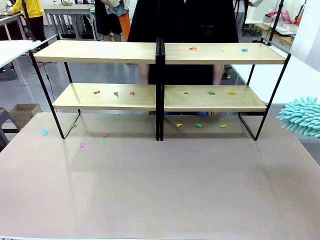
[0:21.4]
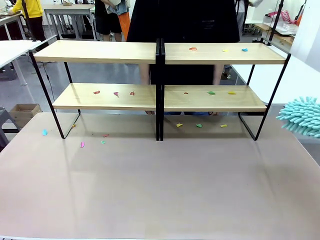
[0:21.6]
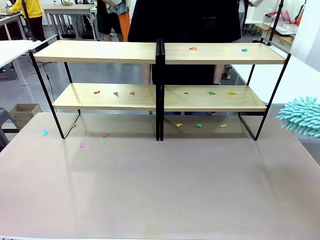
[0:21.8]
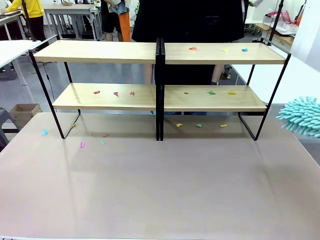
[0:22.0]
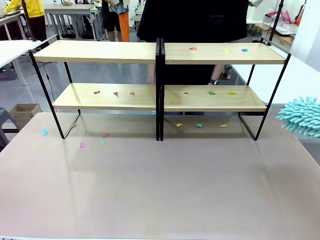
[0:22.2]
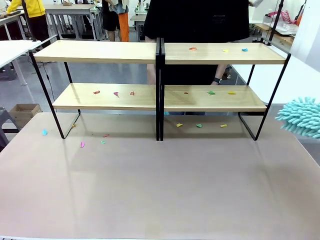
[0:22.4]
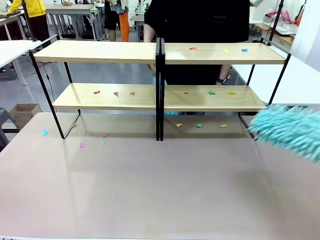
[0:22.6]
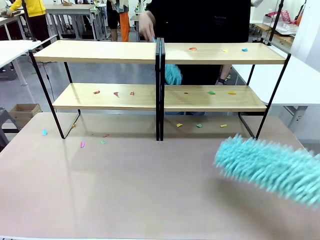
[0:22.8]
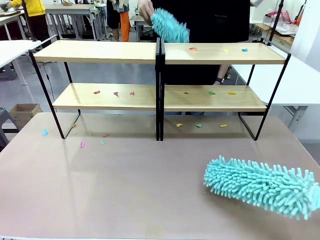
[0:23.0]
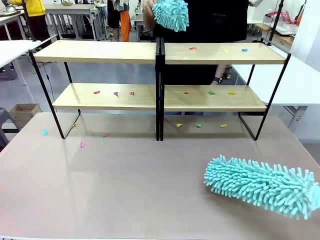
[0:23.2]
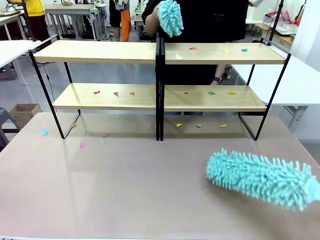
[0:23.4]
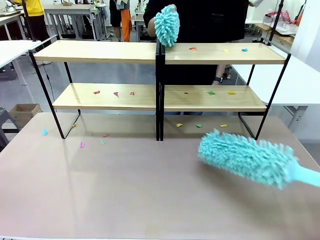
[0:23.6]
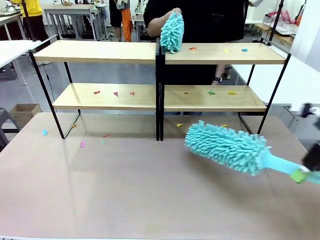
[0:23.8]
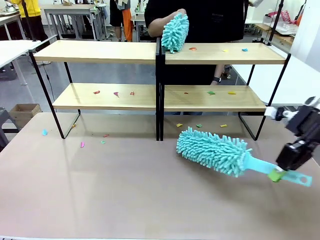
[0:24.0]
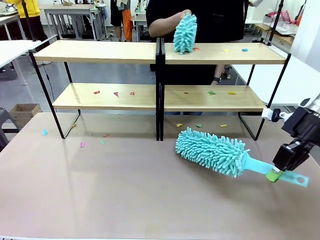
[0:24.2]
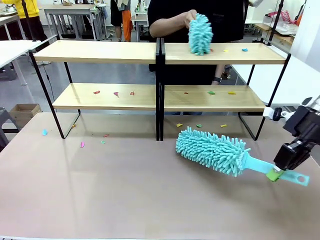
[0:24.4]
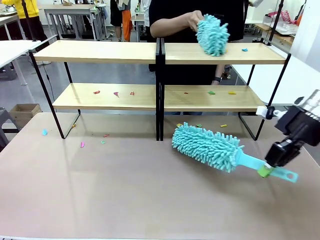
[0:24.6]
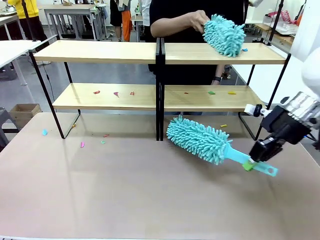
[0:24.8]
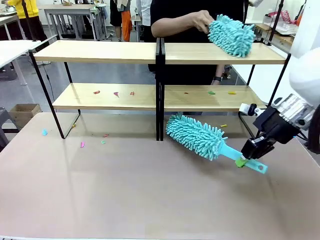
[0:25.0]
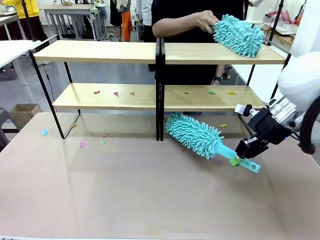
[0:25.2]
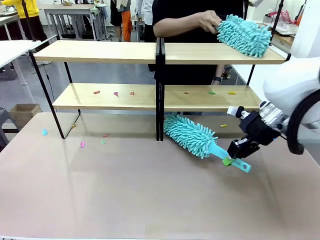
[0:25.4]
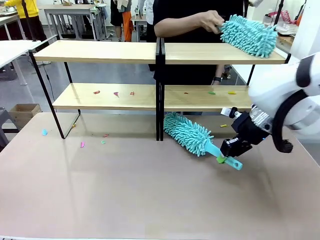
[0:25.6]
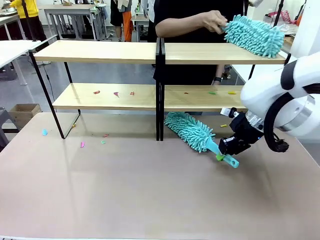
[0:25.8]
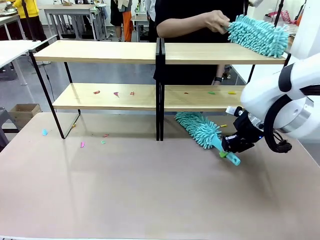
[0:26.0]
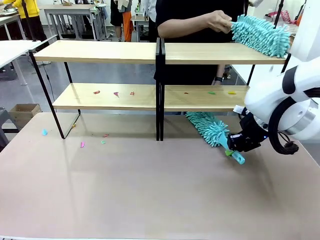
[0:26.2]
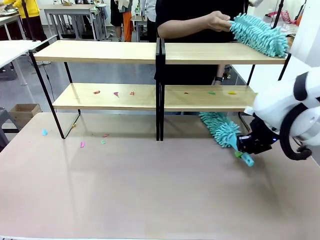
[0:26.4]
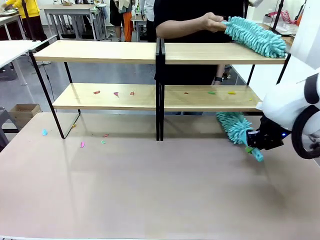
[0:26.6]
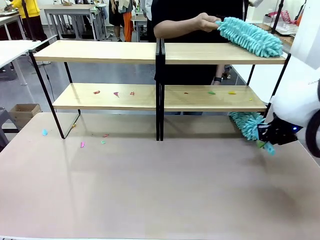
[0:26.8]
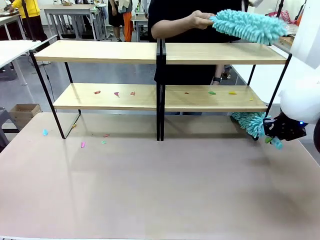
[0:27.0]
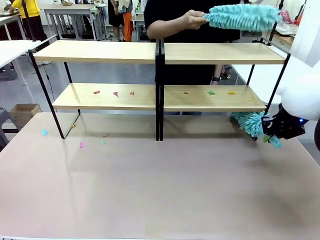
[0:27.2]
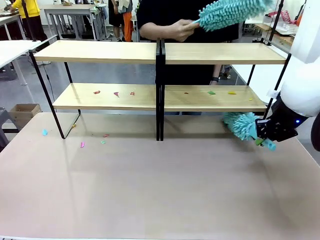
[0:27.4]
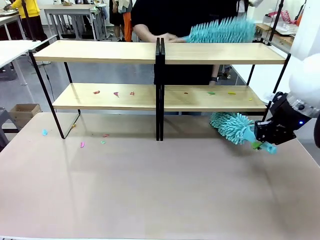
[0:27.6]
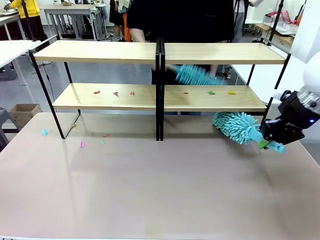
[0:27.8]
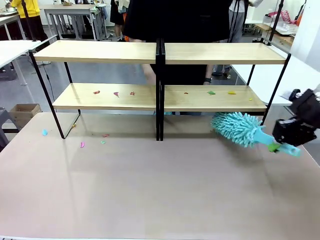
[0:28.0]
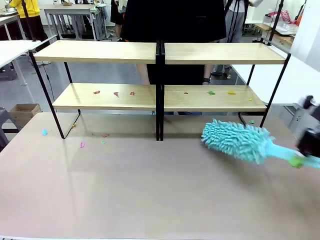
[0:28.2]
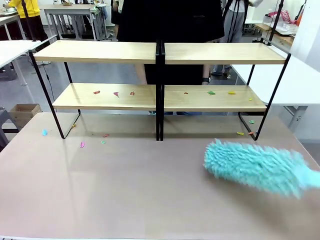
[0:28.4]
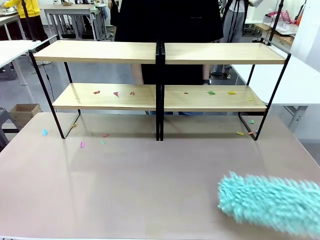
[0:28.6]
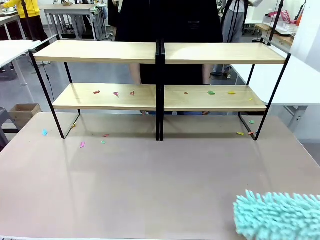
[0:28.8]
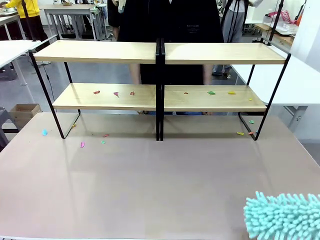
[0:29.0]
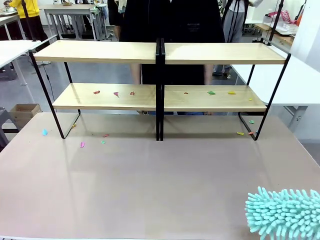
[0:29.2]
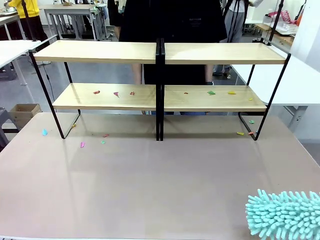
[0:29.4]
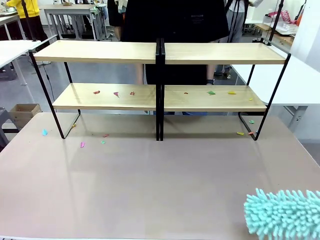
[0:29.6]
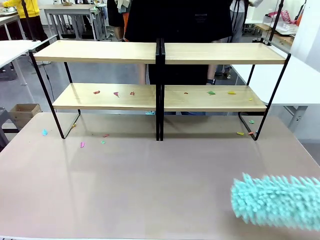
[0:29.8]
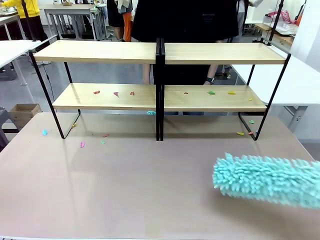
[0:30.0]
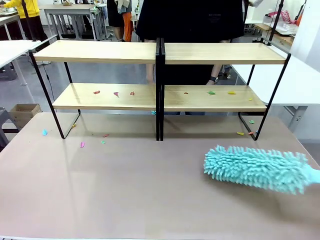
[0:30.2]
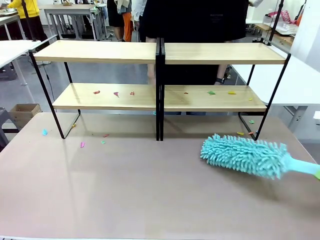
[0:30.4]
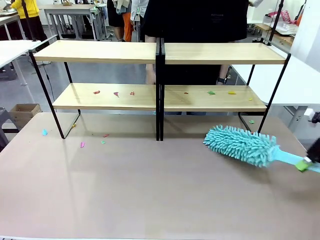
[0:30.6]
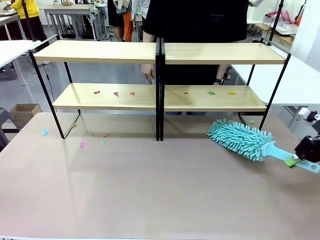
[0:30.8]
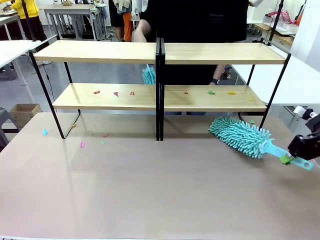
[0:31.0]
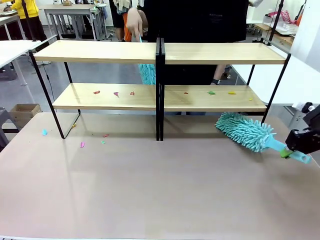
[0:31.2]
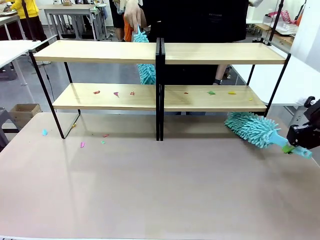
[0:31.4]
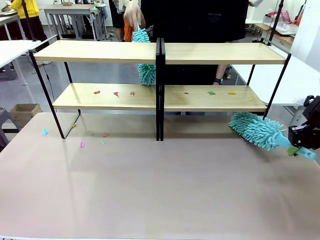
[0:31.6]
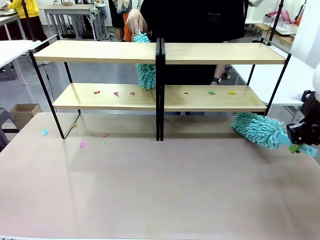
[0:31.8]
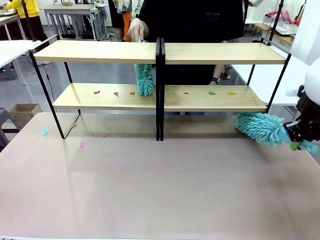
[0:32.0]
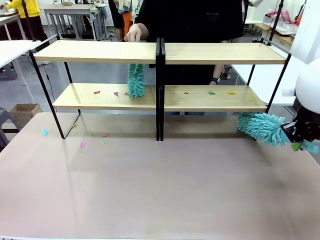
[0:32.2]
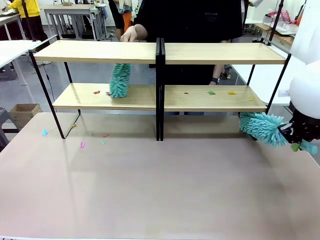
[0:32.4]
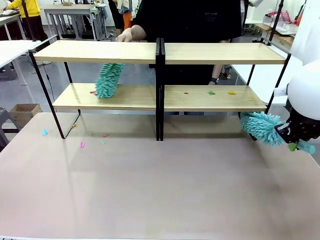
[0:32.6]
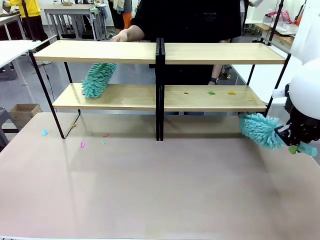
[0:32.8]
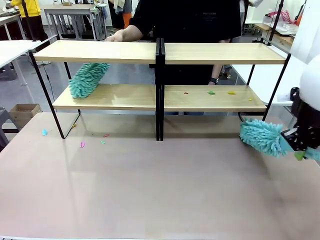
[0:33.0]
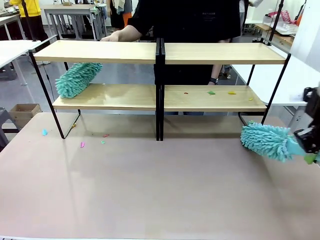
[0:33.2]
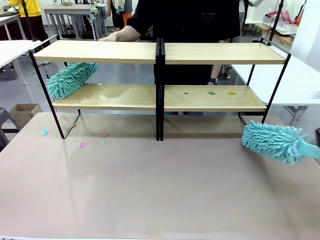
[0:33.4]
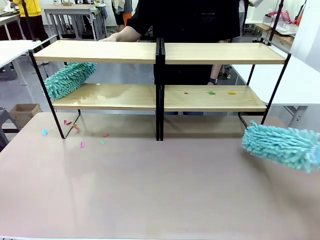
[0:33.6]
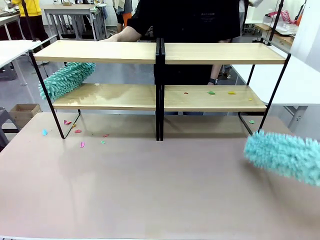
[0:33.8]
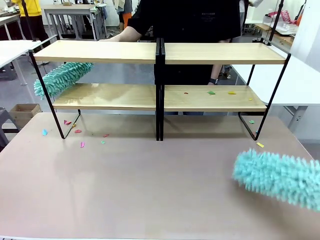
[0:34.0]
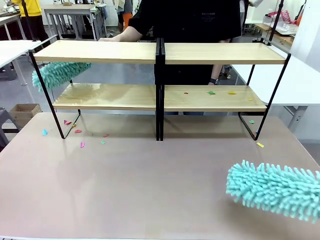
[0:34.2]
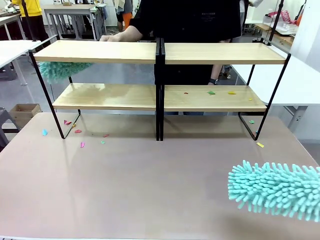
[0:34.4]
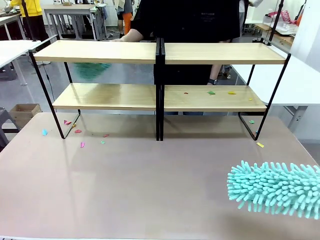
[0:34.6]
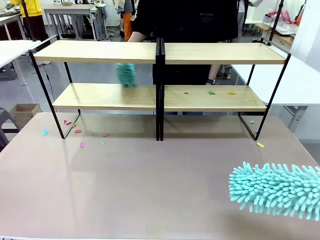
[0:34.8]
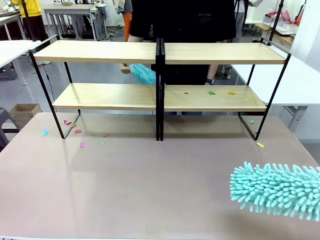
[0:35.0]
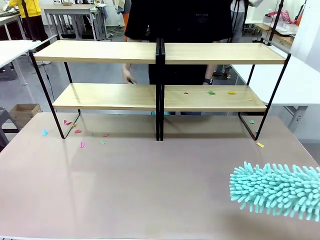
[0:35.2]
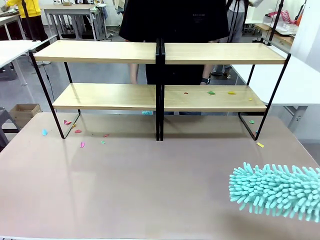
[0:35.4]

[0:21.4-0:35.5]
Task: Clean the shelves.
Robot: Clean another randomly selected level of the Shelf with the Duster.

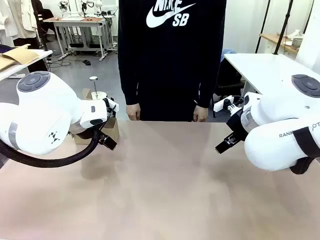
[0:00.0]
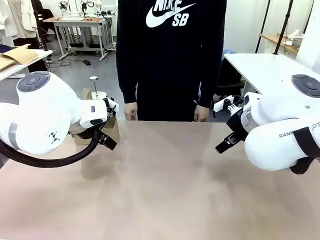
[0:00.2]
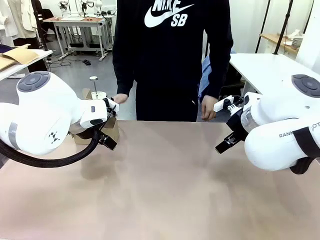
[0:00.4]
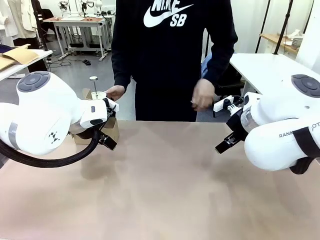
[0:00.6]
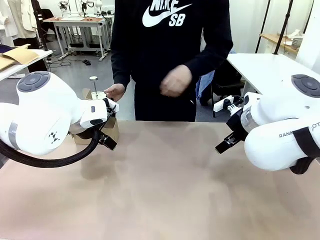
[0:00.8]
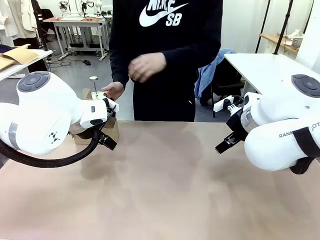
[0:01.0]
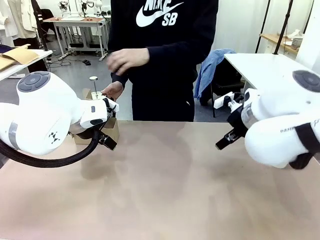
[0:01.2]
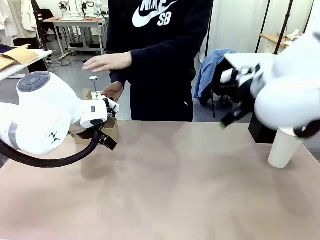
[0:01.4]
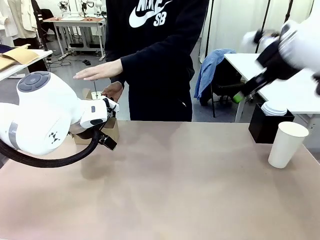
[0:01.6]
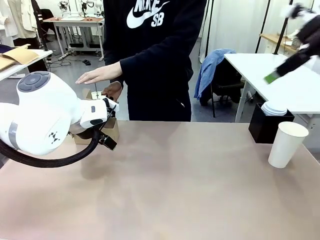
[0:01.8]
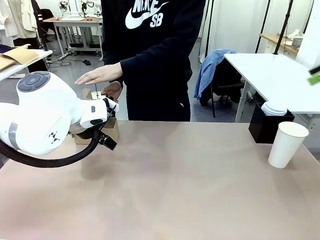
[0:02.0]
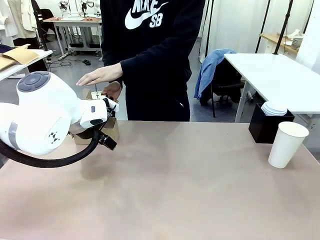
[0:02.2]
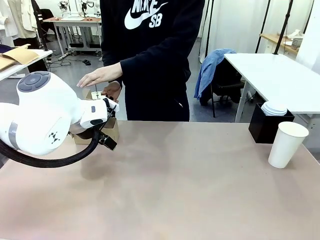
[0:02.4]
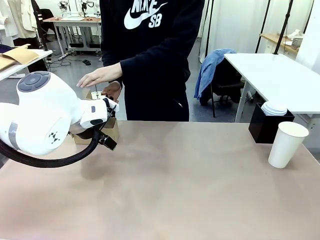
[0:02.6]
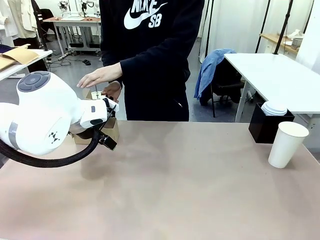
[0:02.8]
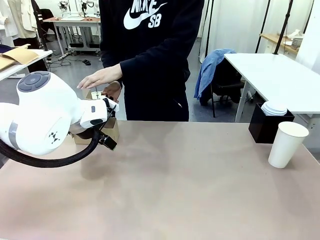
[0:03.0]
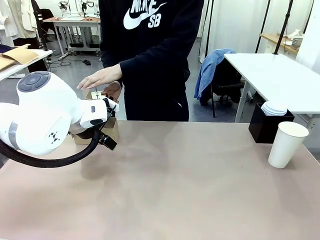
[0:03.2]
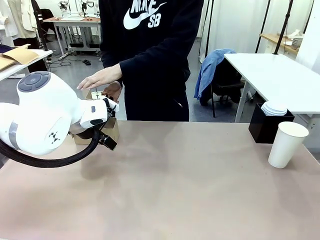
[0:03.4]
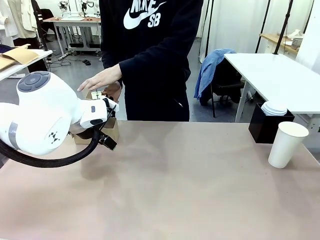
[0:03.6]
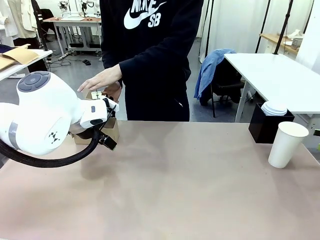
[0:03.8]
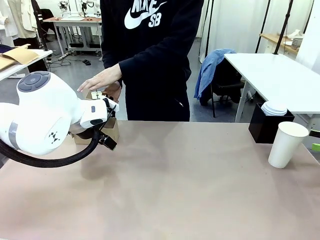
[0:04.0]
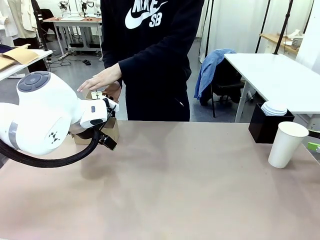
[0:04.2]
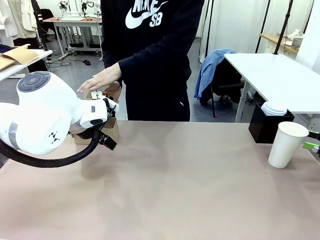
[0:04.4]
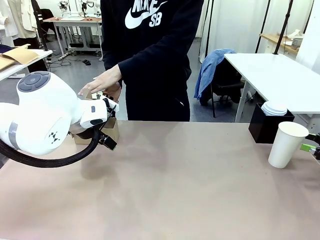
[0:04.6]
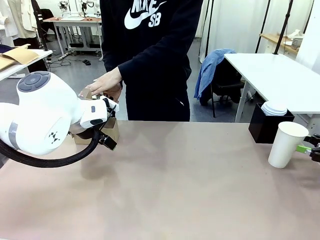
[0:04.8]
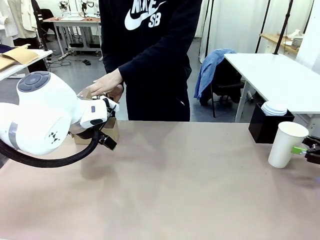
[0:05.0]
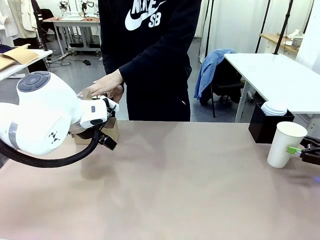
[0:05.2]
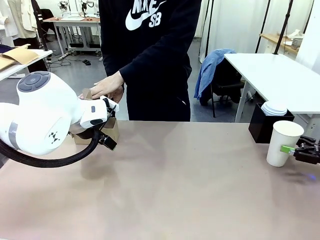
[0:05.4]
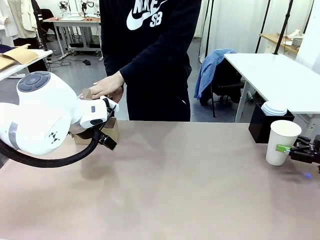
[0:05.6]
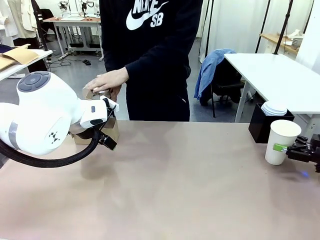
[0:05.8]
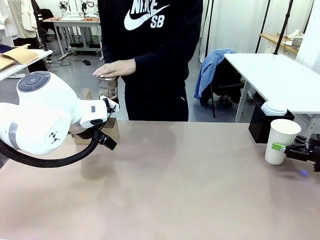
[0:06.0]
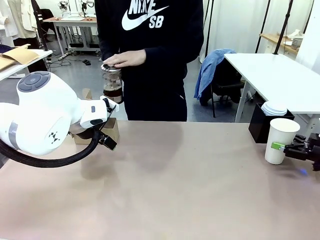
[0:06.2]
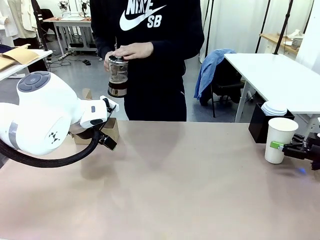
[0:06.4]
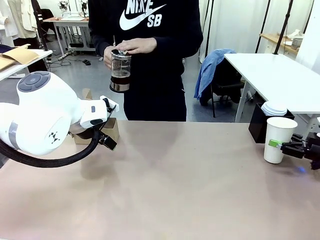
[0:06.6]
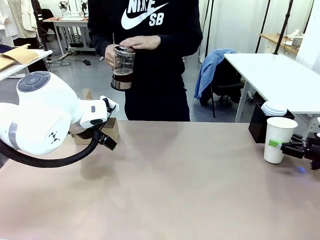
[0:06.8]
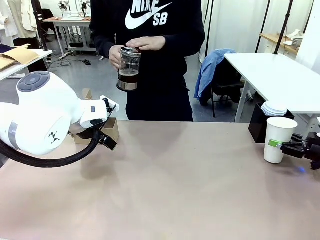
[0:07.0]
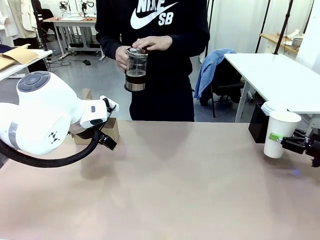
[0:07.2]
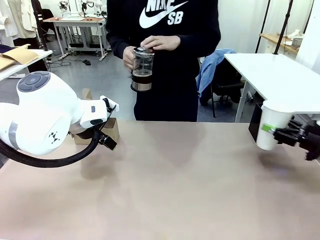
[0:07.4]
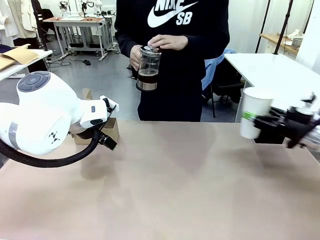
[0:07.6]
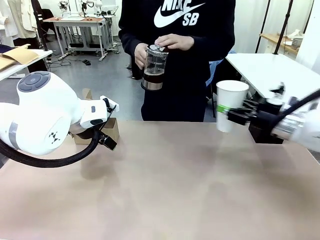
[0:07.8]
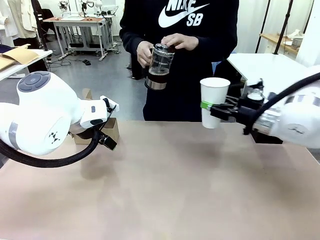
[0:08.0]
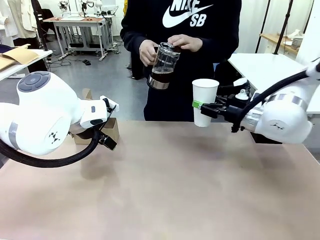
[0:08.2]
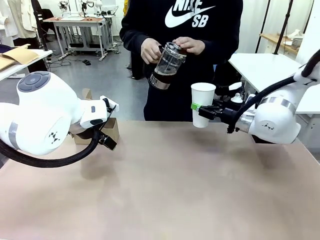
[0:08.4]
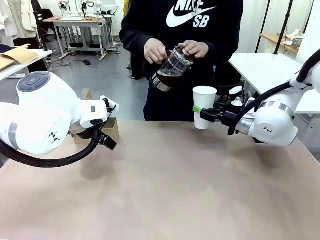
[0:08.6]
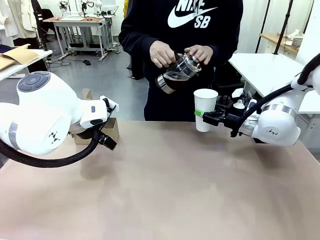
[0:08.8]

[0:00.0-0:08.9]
Task: Pour a drink into a cup and package it in a carrier.
Robot: Pick up the 600 ml Paper Cup and place it in the middle top area of the table.
Person: Press and pick up the Filter Brewing.
